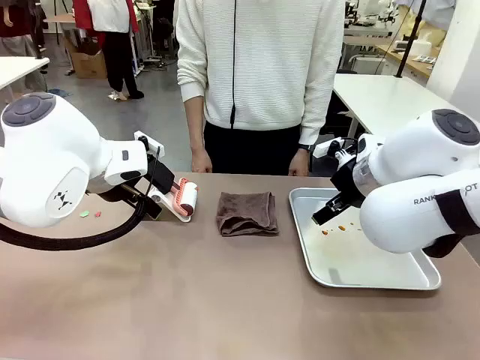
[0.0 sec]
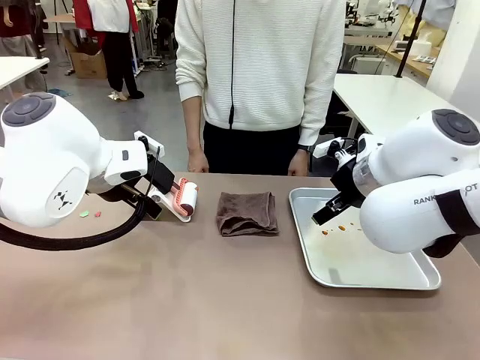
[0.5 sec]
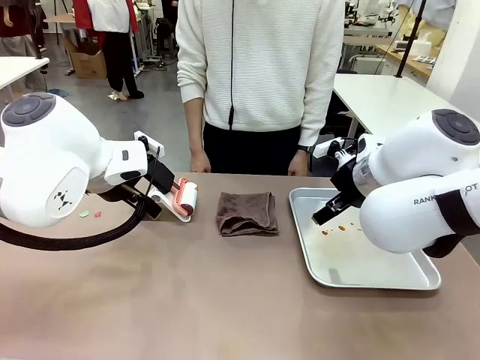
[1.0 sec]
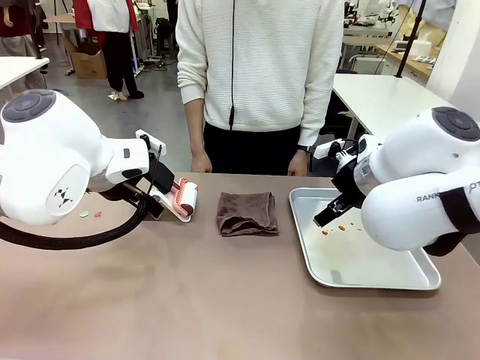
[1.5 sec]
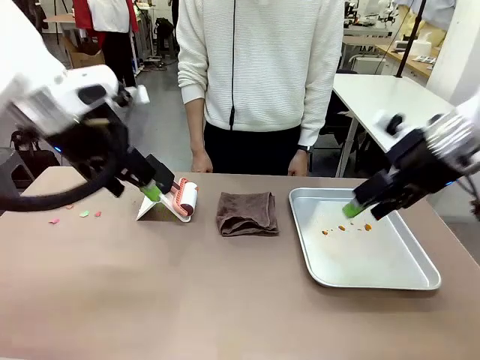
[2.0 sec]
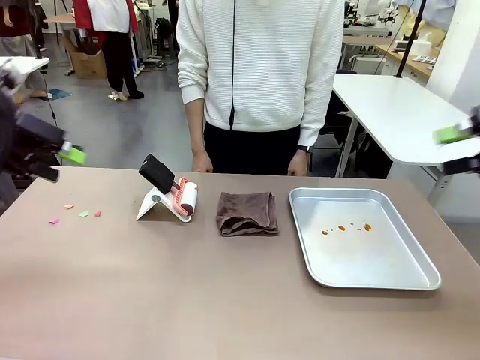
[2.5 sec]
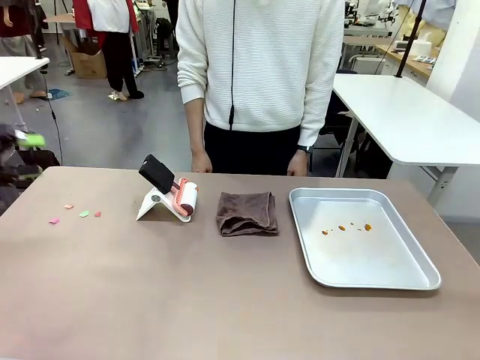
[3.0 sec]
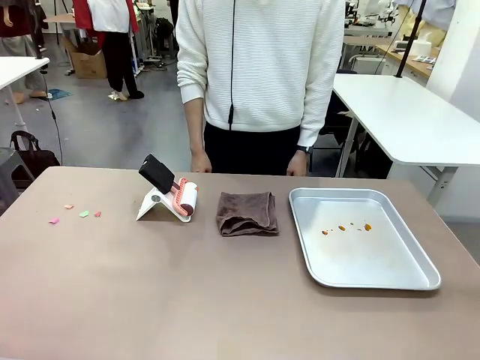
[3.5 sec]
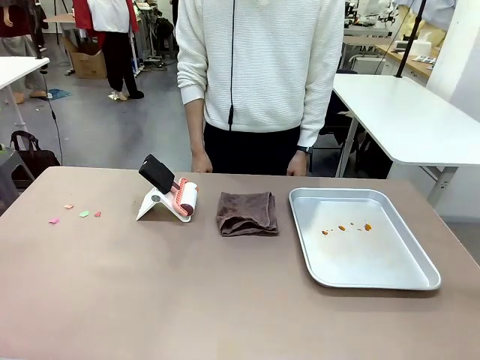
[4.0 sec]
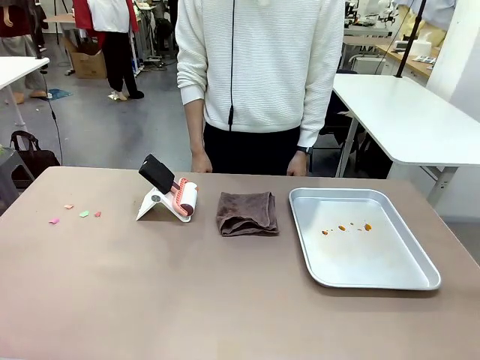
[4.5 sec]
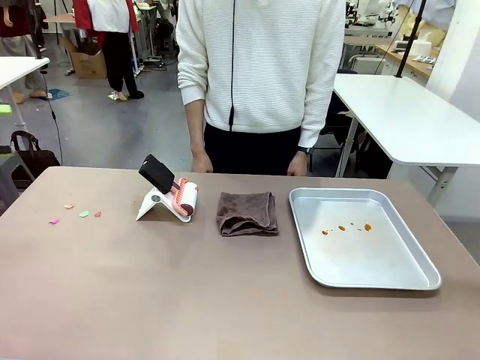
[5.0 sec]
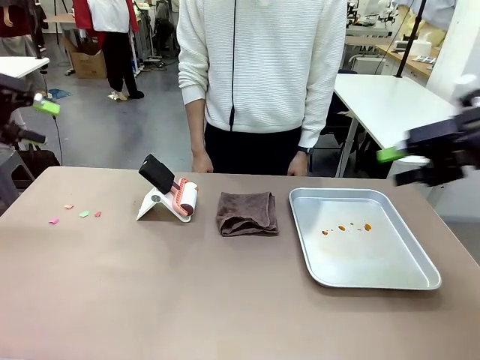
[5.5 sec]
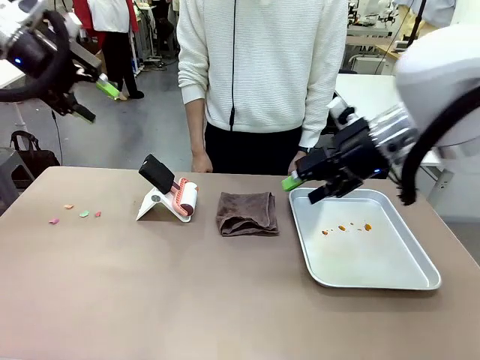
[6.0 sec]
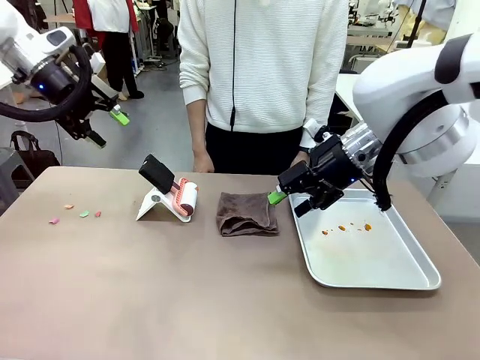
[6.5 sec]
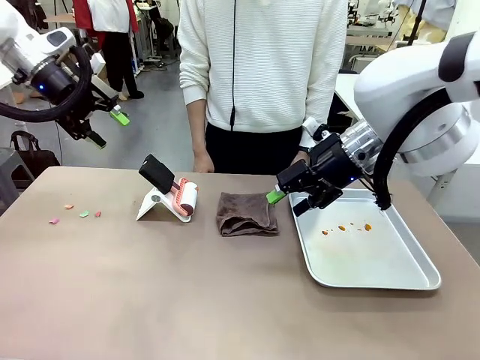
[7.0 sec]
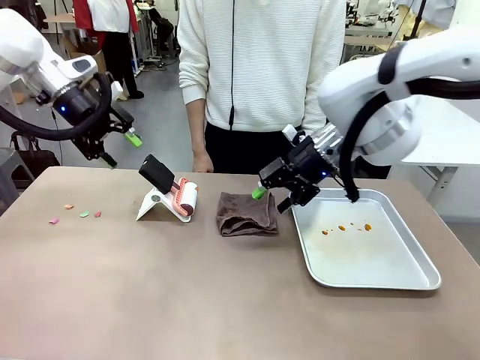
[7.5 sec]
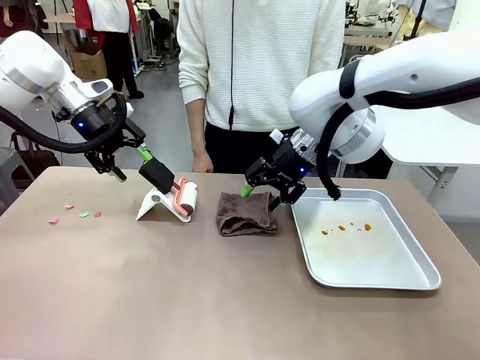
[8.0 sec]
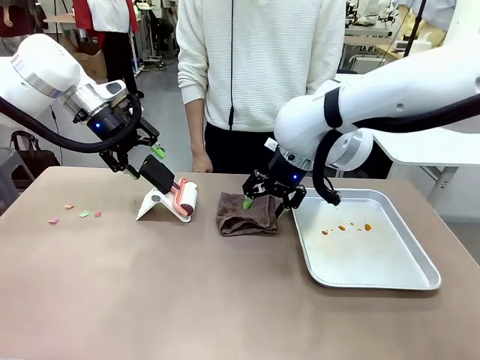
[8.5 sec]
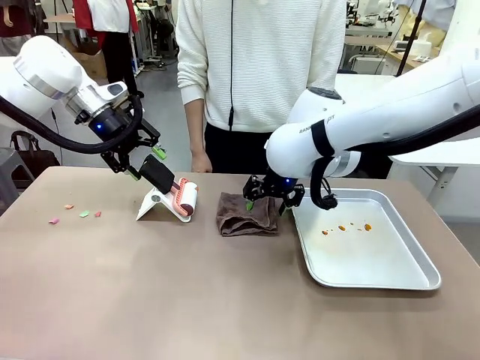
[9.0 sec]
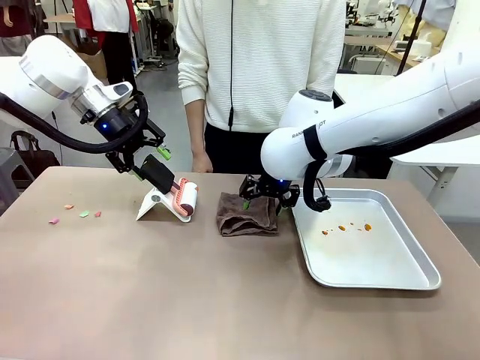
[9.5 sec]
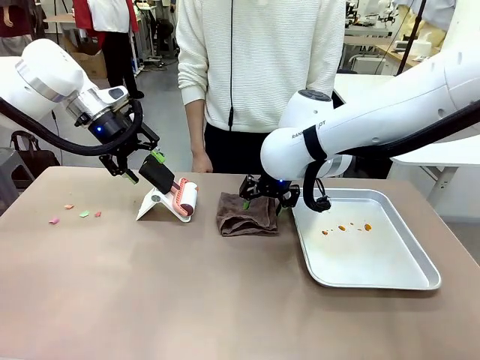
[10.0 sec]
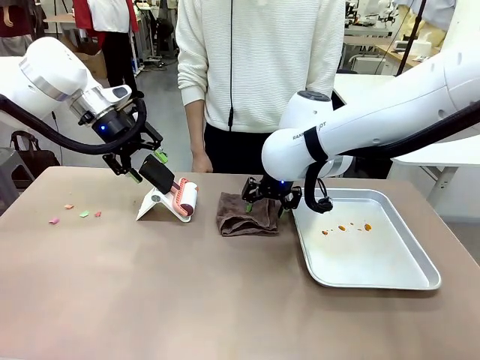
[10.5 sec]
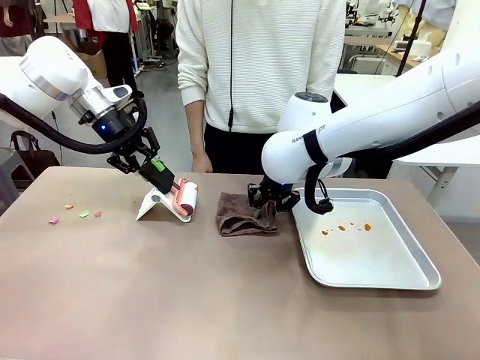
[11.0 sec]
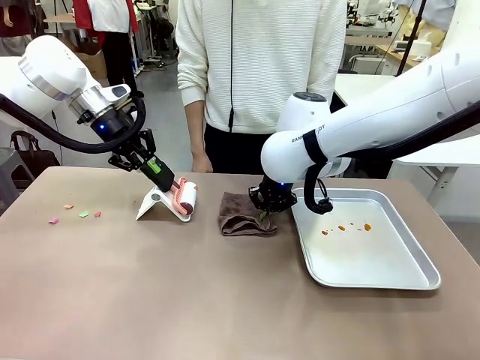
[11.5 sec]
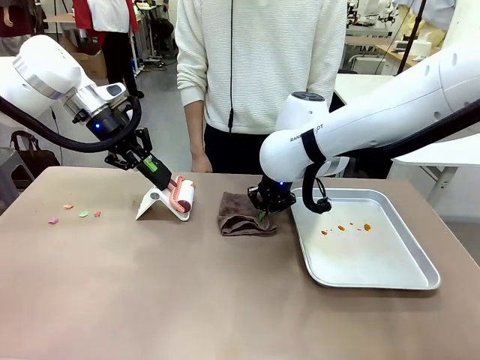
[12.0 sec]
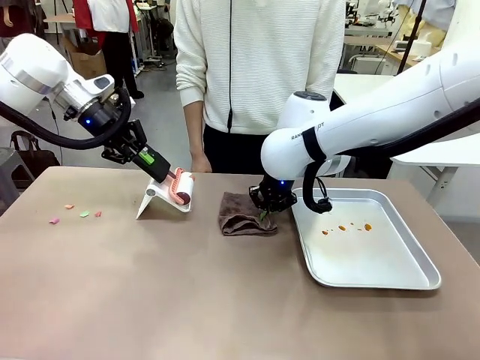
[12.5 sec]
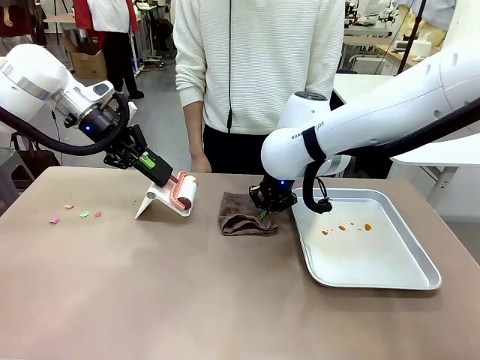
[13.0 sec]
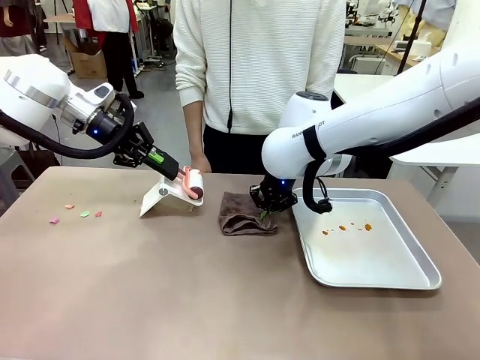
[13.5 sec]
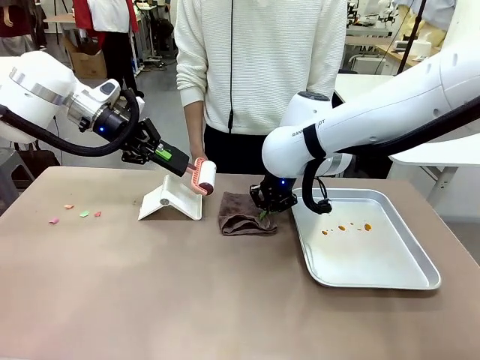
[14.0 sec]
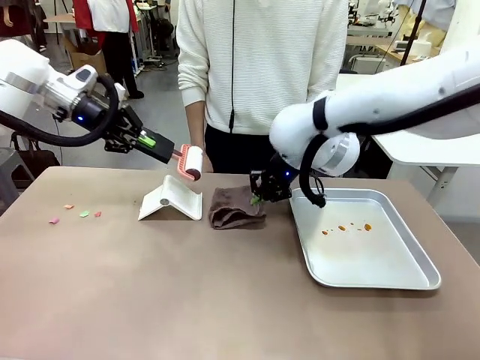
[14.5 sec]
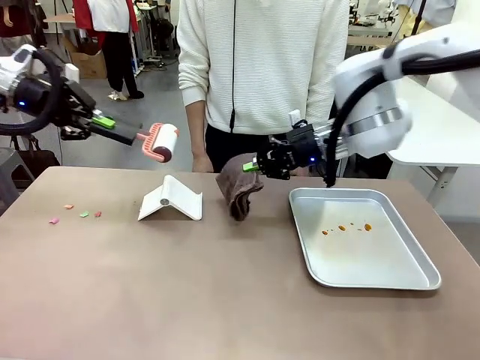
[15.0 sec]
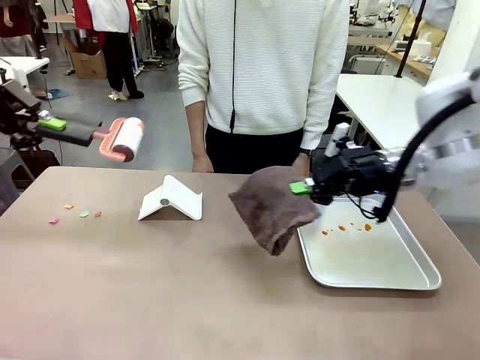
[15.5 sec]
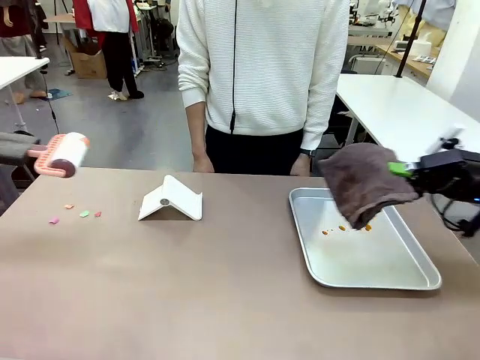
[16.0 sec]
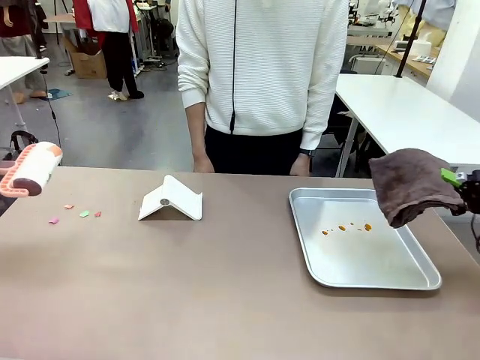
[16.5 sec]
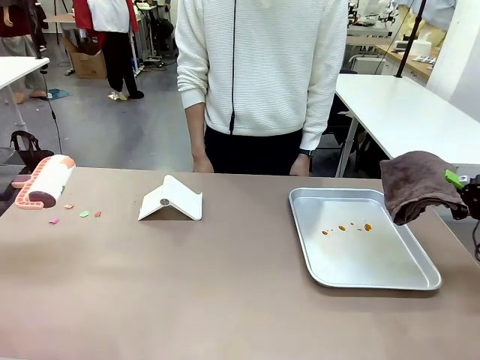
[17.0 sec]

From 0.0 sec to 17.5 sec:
Task: Clean the surface of the table.
Robot: Hold the Lint Roller with your left hand and the towel with your right hand.

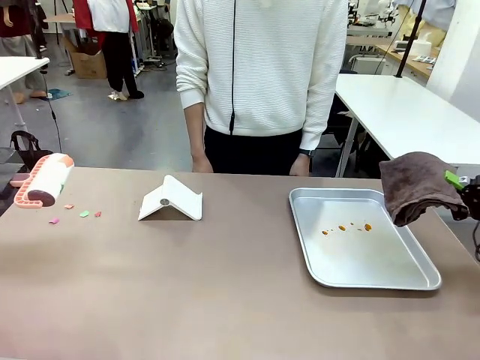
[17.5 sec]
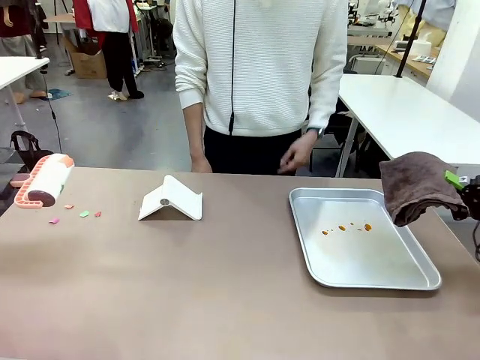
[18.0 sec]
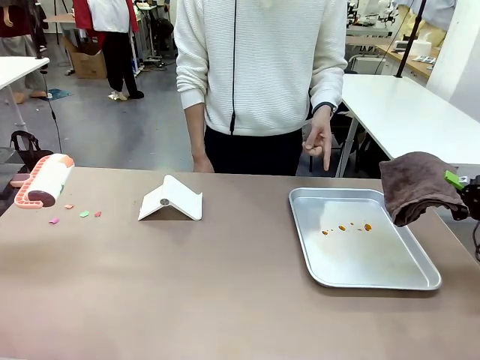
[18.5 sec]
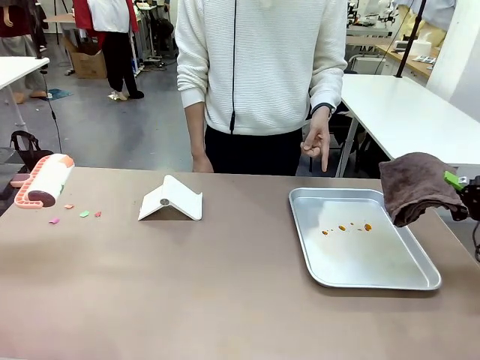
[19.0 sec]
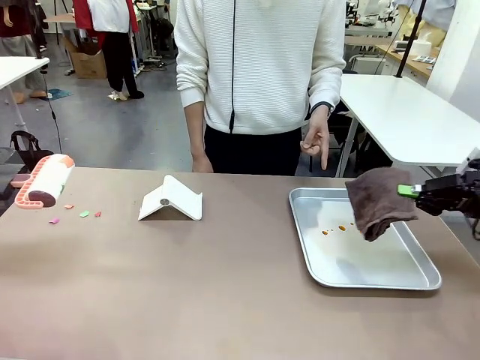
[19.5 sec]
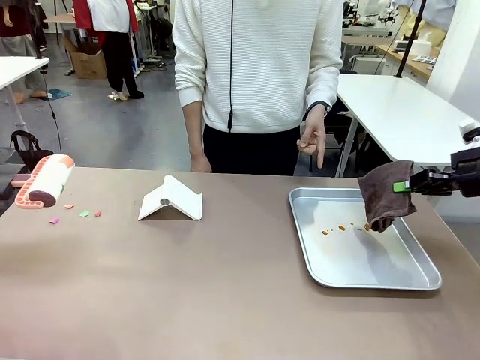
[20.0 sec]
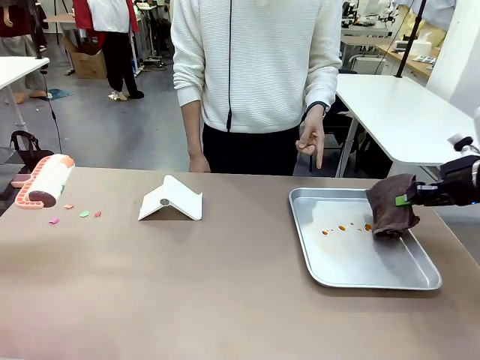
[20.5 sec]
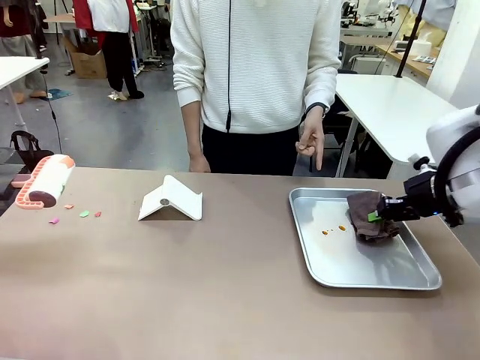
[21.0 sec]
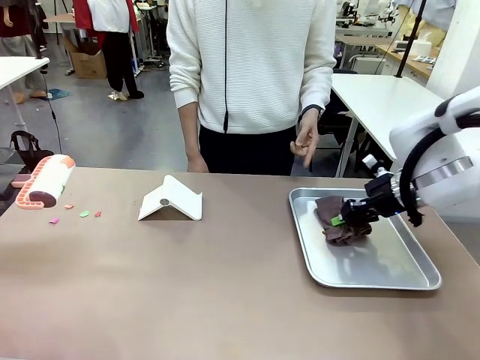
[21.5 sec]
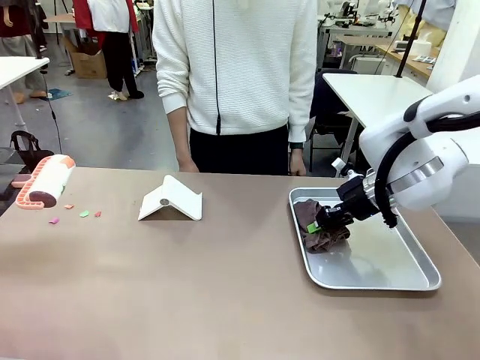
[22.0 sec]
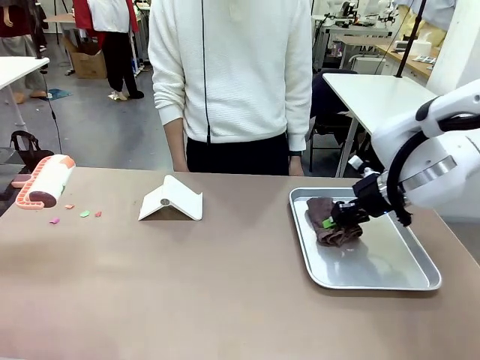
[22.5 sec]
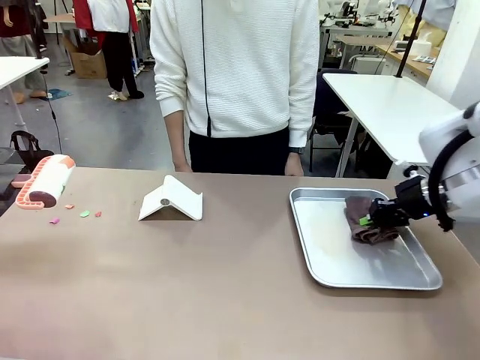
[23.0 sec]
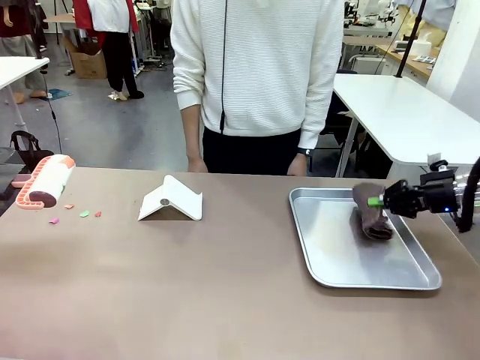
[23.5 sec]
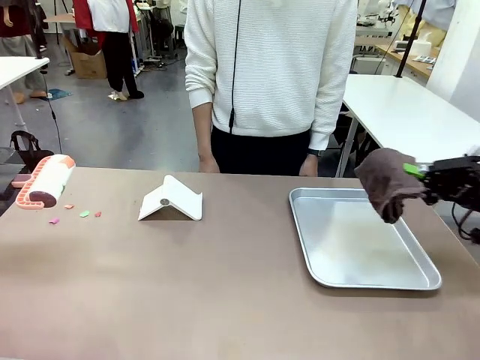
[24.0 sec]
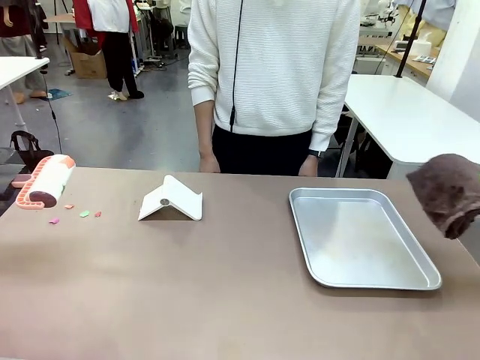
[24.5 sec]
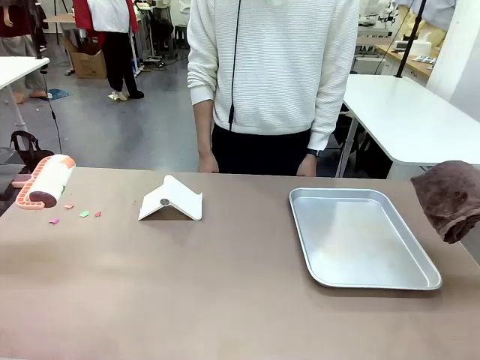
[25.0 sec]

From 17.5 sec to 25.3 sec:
Robot: If a person points to the right, clean the right side of the table with your right hand, and if they point to the left, clean the left side with your left hand.
